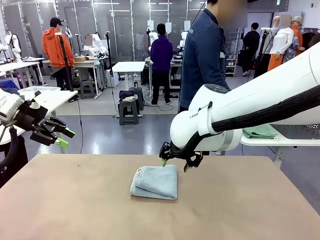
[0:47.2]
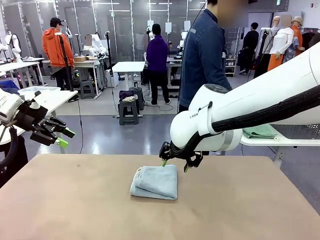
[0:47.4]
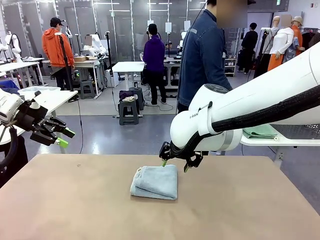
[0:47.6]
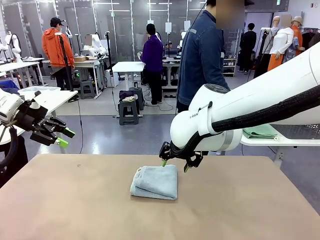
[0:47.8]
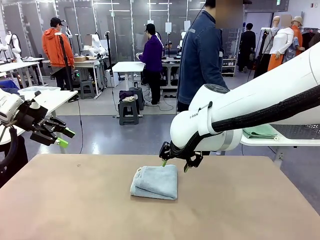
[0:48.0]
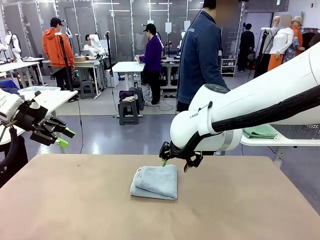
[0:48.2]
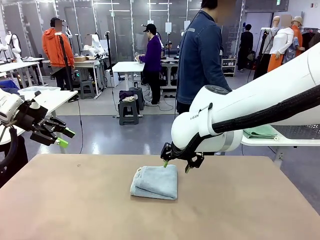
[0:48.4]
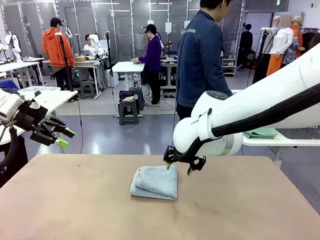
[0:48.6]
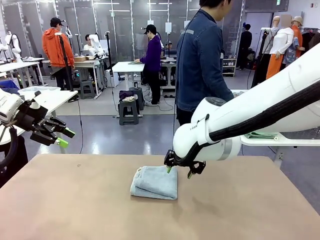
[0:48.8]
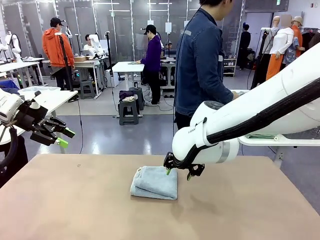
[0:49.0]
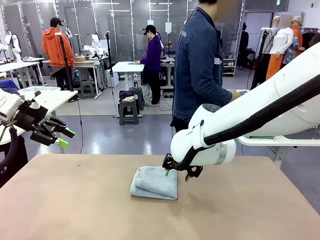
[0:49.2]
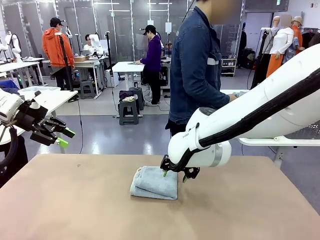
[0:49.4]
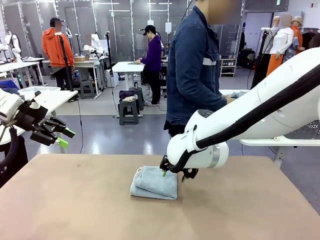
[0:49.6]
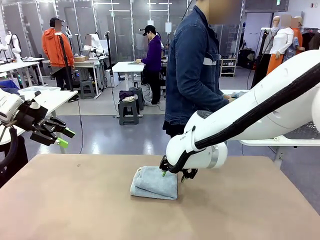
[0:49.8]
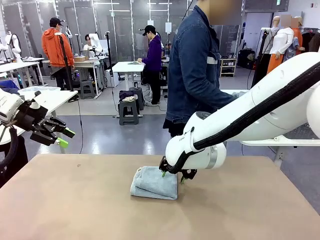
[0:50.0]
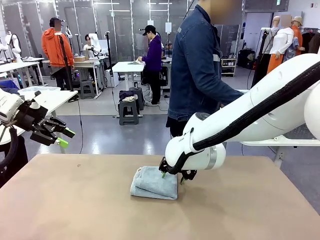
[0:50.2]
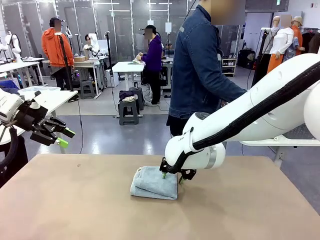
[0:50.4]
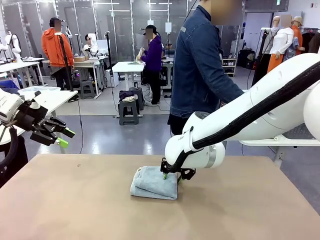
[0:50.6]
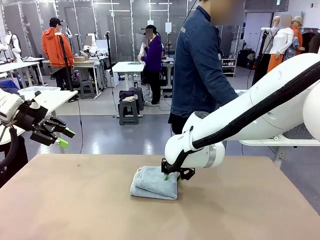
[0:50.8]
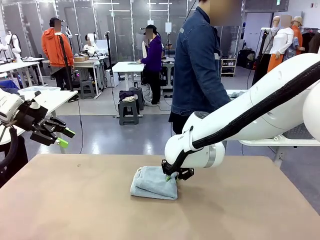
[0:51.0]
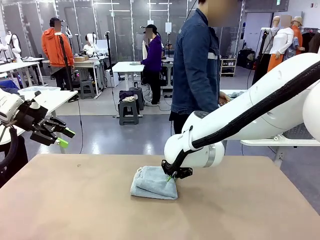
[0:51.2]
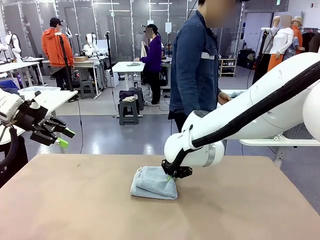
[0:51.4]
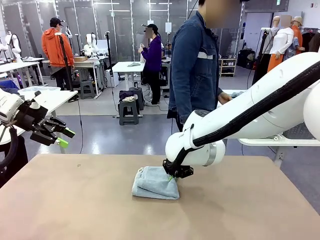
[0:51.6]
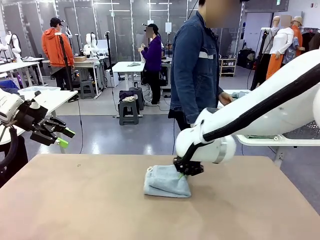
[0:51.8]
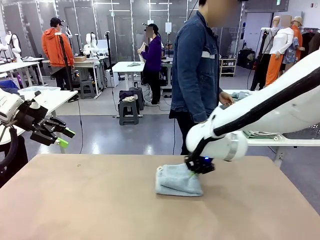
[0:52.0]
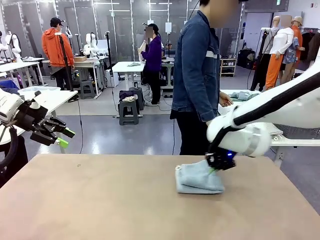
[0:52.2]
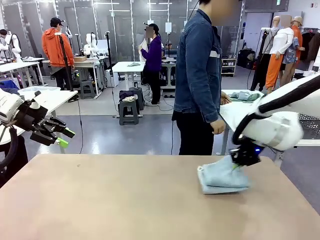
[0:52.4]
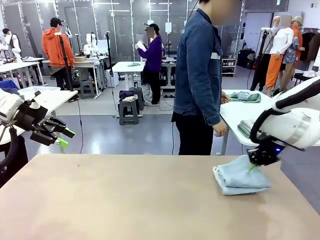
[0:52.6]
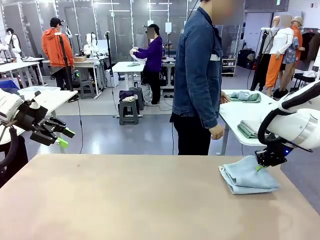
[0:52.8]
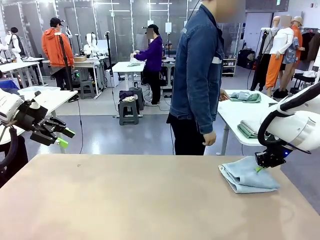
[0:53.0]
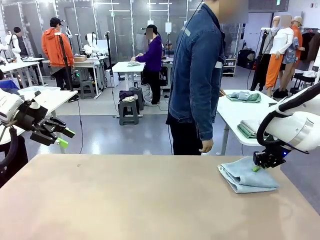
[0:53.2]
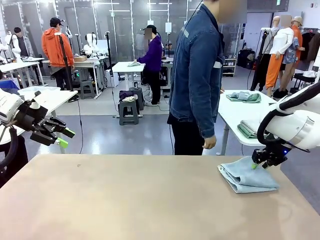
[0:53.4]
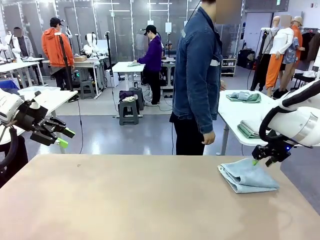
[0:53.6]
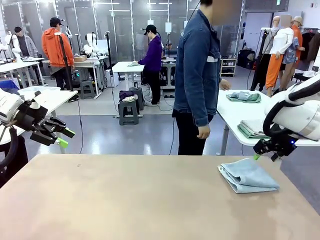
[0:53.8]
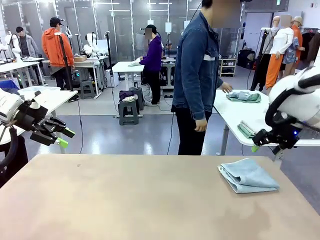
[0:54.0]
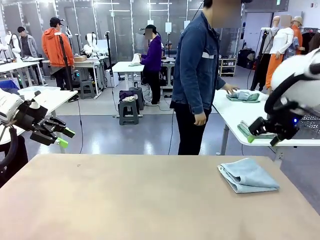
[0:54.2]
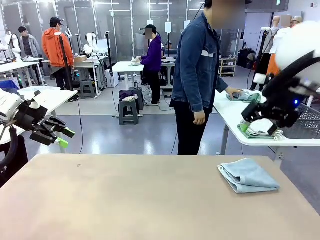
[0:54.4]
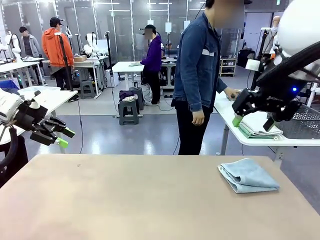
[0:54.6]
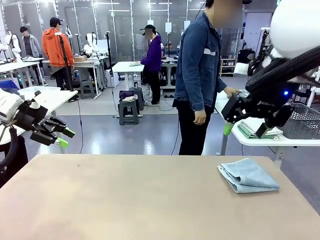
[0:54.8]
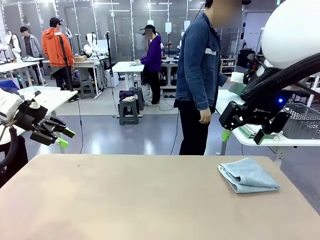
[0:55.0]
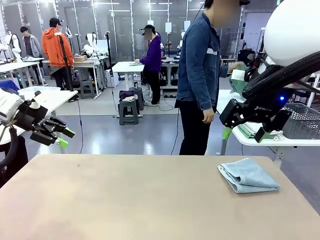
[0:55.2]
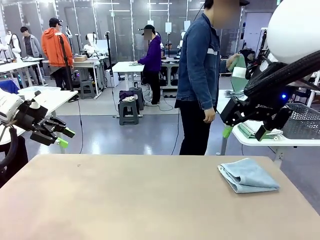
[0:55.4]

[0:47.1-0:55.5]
Task: Fold the towels and place them in the basket.
Robot: Place the folded Towel with hook on the right side of the table.

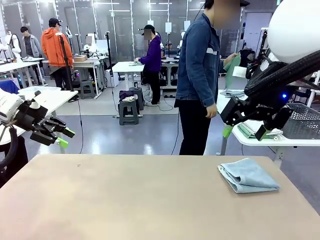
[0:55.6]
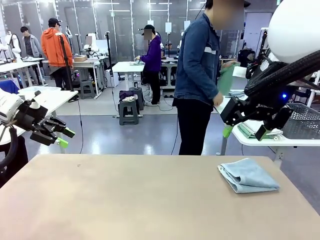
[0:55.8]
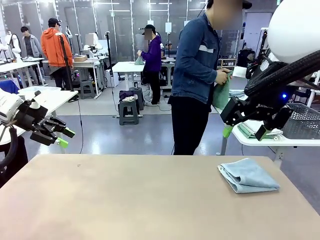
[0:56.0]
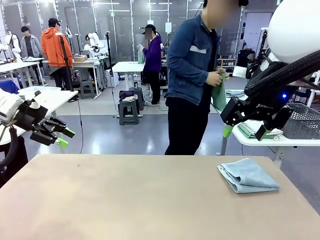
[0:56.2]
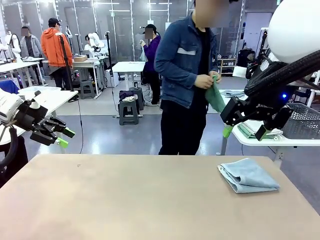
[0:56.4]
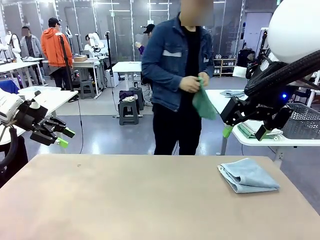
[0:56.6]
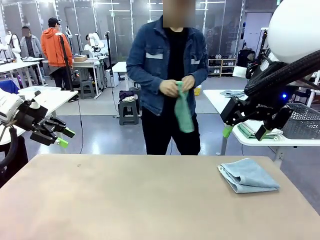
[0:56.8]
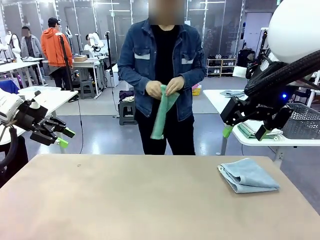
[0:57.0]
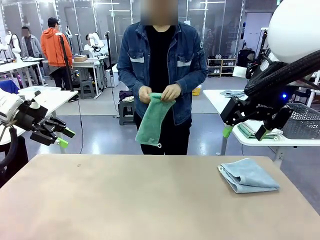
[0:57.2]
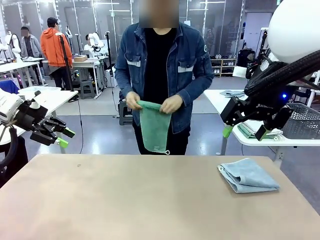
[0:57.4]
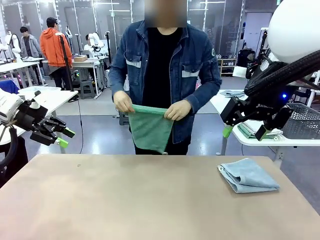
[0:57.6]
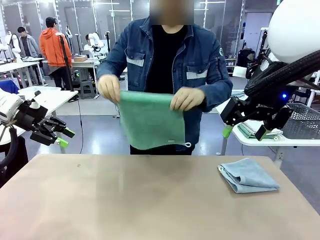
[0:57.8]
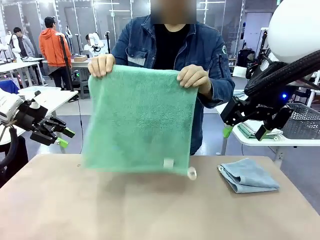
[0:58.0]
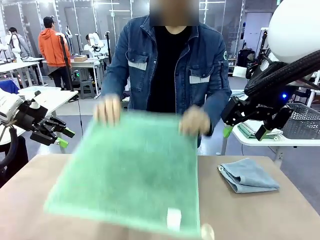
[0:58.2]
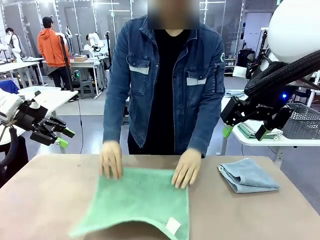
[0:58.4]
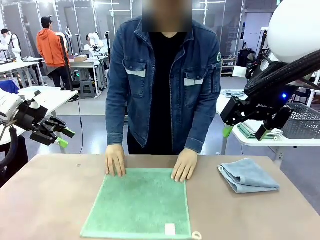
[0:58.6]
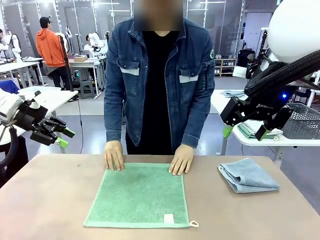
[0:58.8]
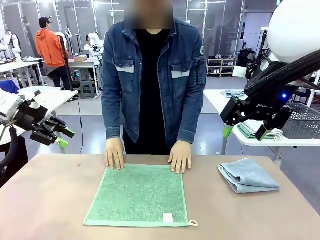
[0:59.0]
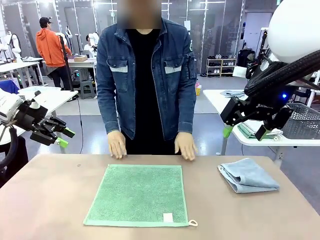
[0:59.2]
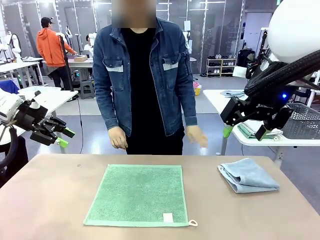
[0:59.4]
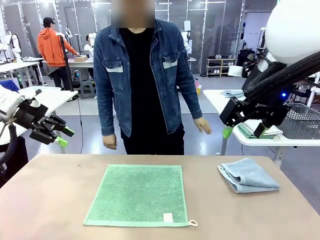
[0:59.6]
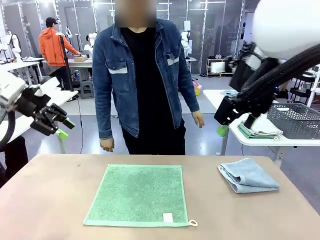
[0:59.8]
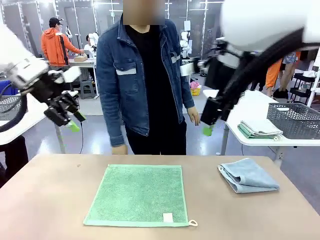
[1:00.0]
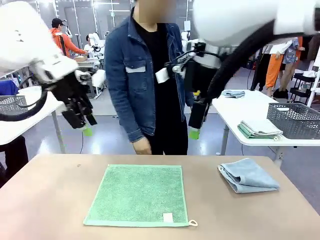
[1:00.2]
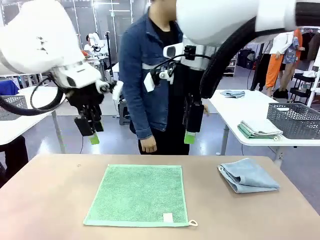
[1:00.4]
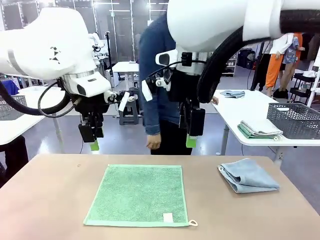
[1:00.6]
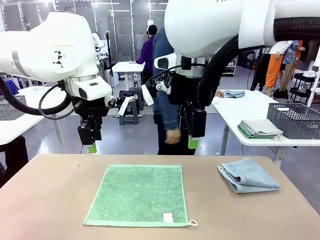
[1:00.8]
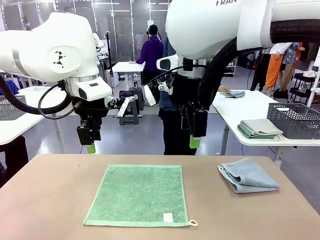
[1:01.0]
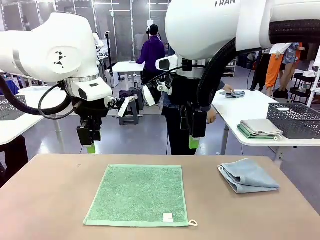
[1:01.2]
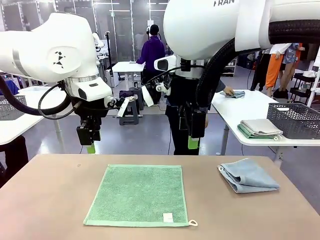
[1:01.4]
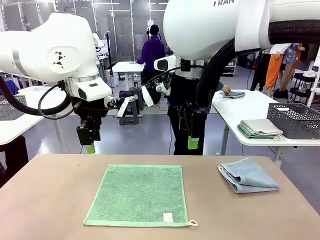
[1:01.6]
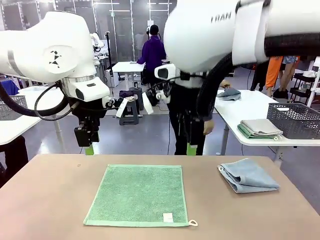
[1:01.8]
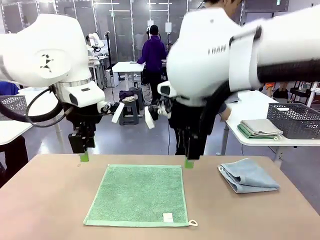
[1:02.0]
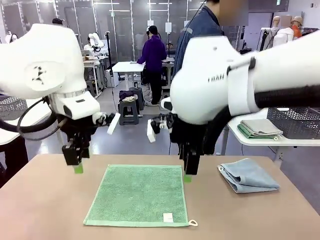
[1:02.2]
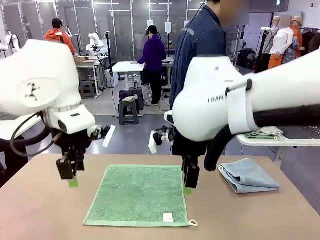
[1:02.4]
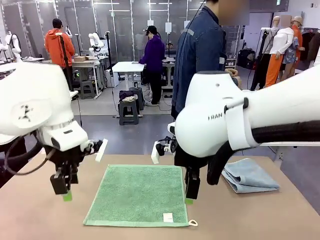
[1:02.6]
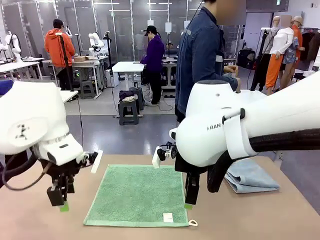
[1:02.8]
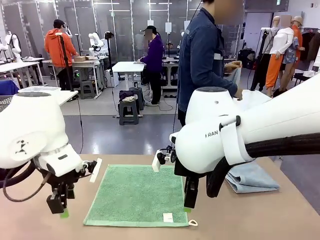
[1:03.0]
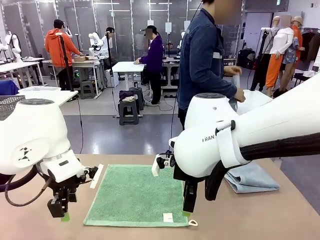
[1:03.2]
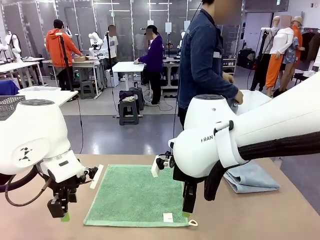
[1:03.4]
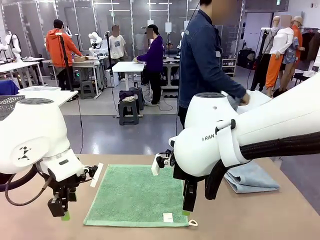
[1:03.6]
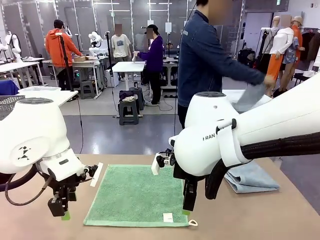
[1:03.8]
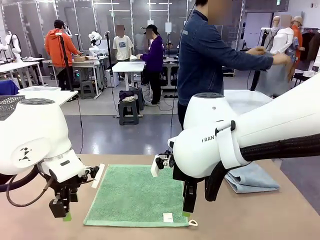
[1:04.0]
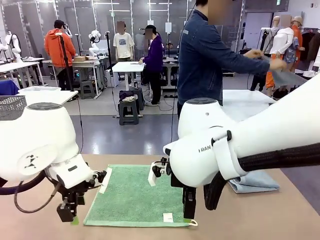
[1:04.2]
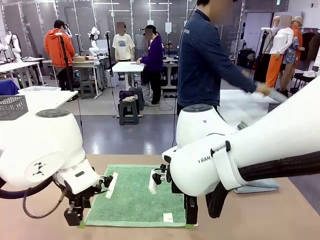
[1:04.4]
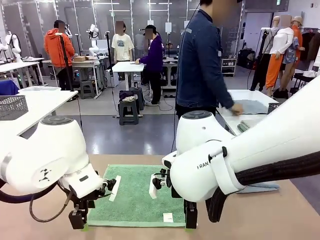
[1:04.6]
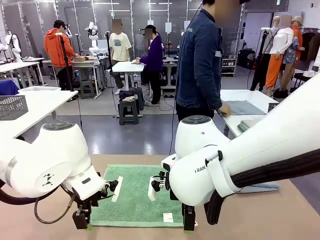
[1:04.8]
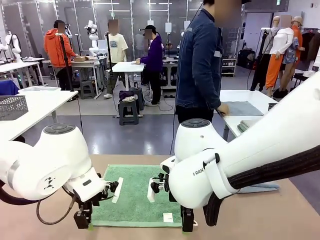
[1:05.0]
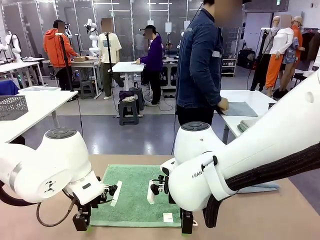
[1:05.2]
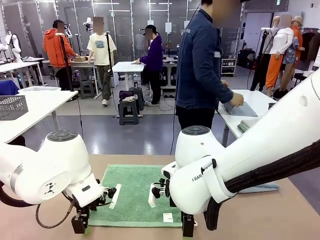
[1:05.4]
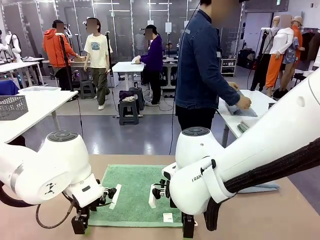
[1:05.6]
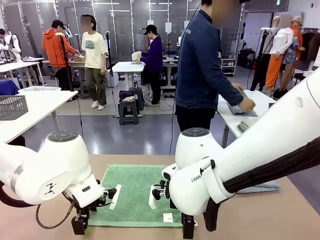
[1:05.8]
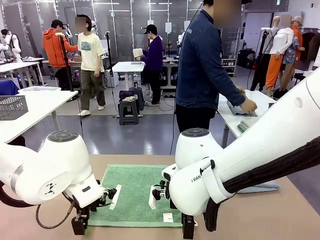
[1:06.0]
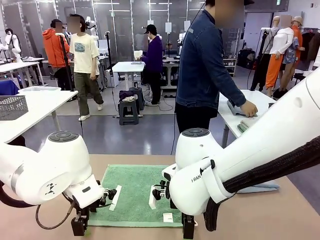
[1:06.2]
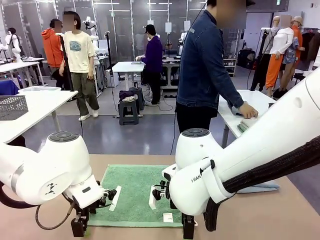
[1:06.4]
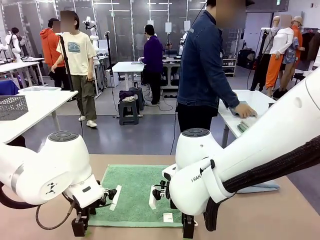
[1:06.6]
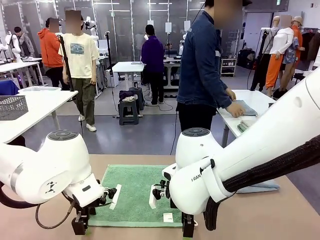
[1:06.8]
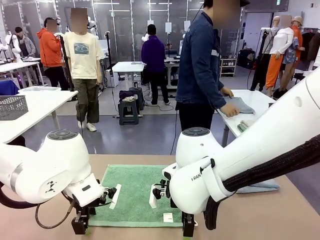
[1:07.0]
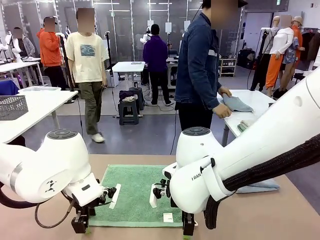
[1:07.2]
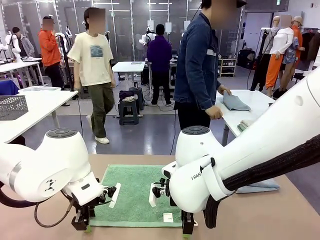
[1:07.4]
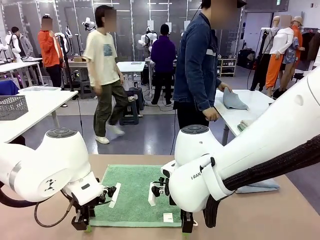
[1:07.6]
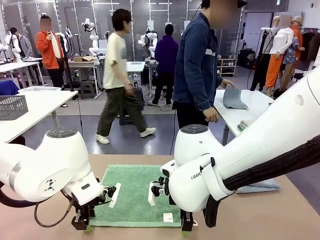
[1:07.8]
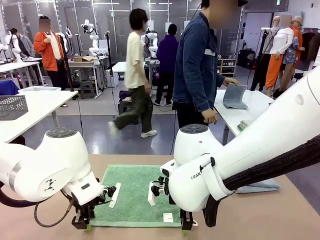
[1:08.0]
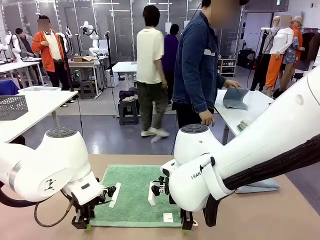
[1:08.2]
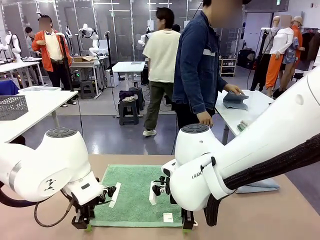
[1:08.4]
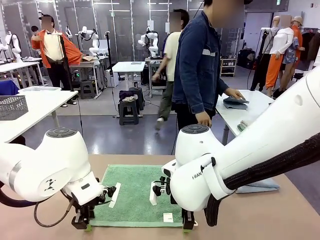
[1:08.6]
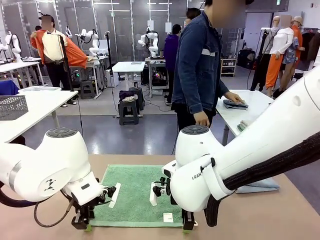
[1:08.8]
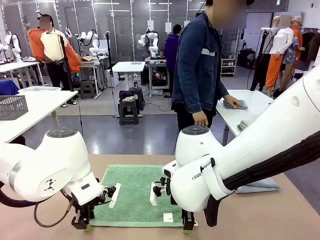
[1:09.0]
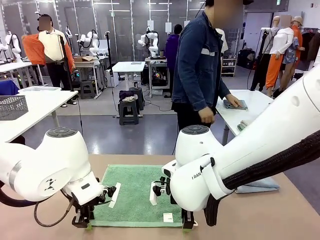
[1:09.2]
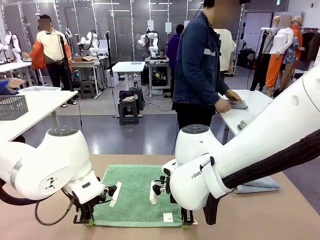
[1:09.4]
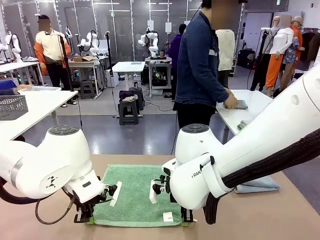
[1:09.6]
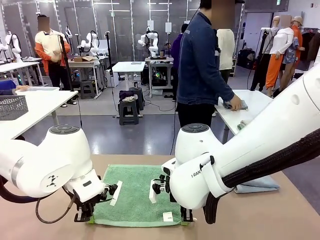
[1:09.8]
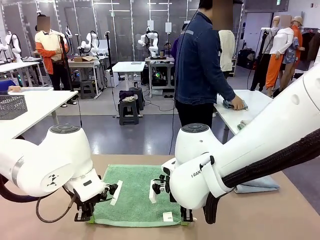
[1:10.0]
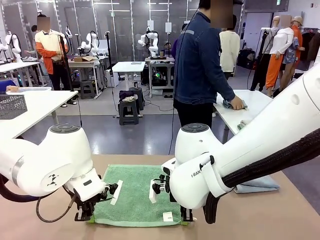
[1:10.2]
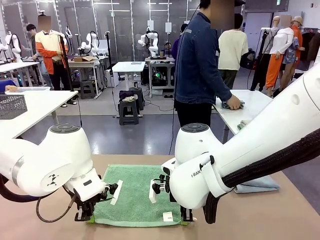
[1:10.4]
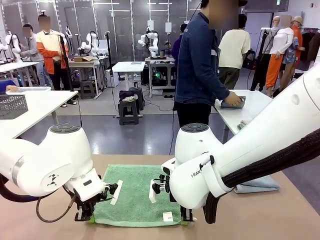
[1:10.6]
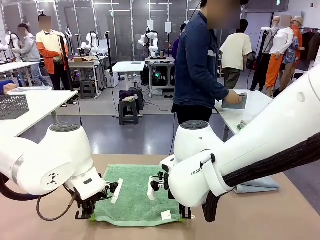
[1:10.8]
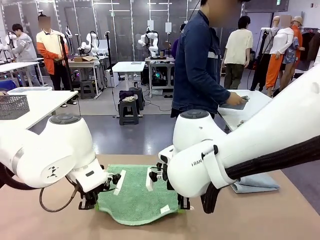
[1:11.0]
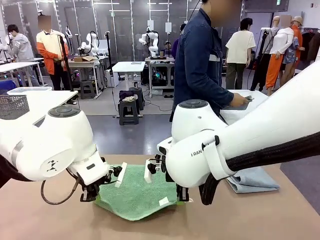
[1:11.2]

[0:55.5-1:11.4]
Robot: When a person lays out a Towel with hook on the table, fold it in half twice.
Person: Pick up one towel from the left side of the human table and spread it out at the center of the robot table. Pick up one towel from the left side of the human table, fold it in half twice, and stack it on the right side of the table.
